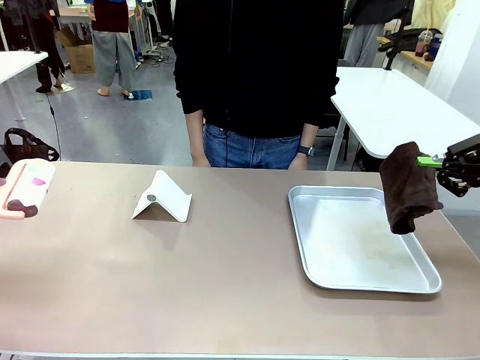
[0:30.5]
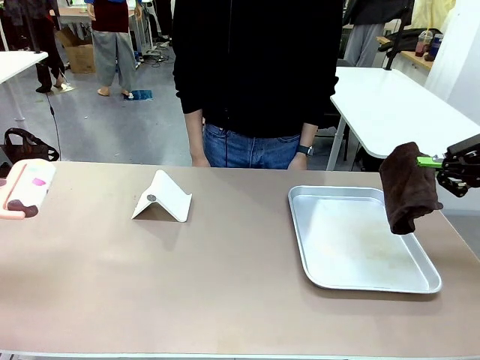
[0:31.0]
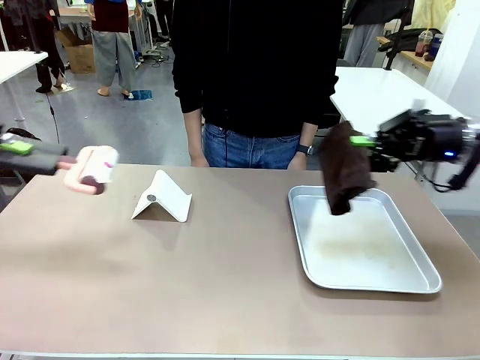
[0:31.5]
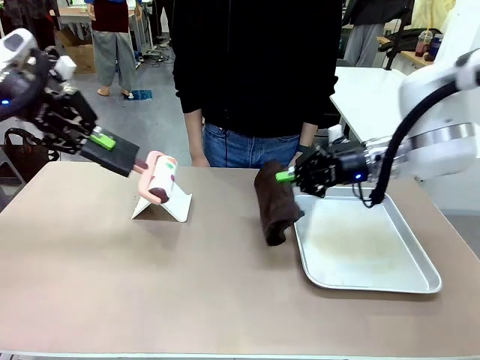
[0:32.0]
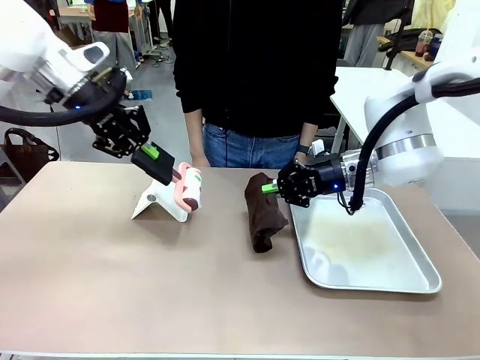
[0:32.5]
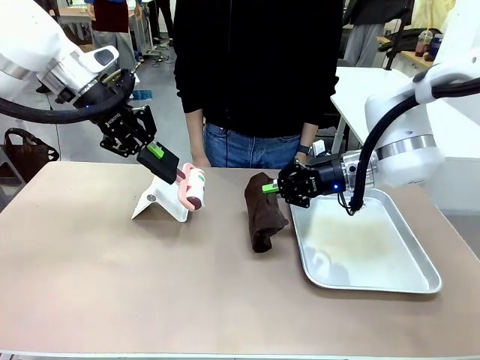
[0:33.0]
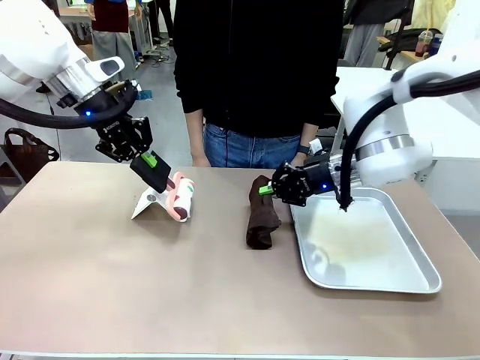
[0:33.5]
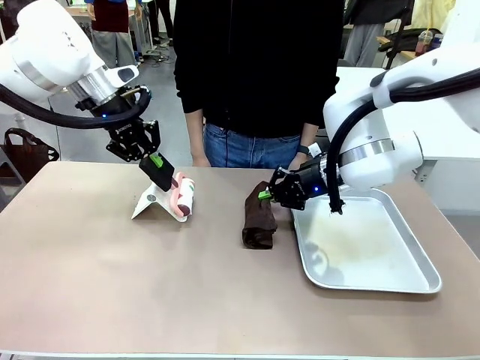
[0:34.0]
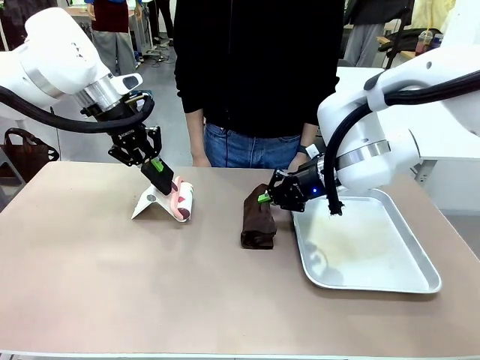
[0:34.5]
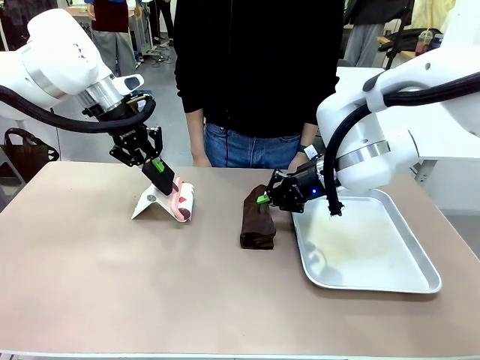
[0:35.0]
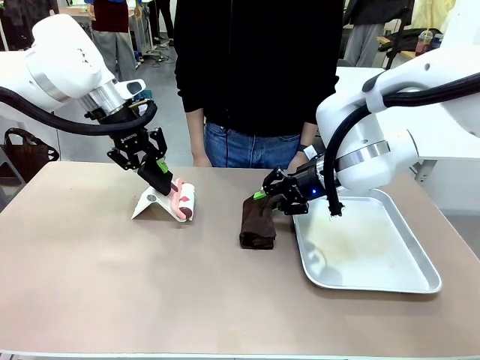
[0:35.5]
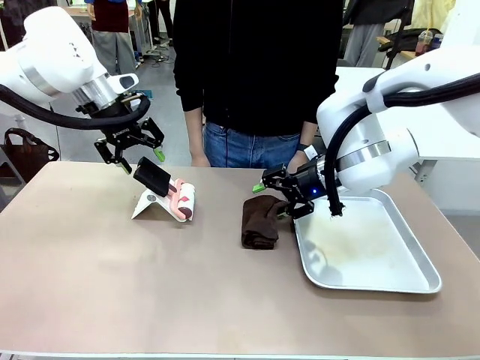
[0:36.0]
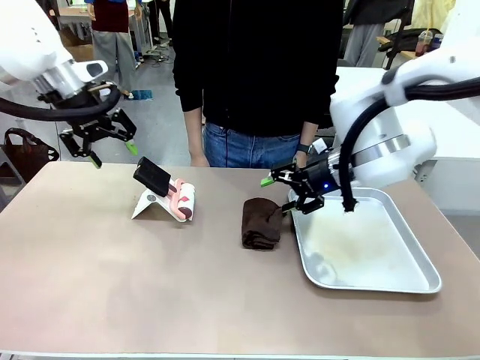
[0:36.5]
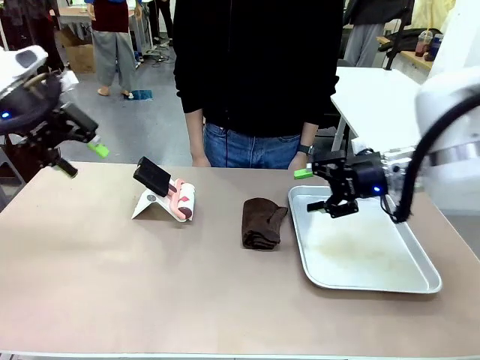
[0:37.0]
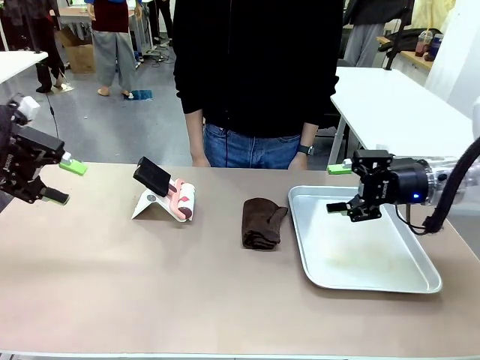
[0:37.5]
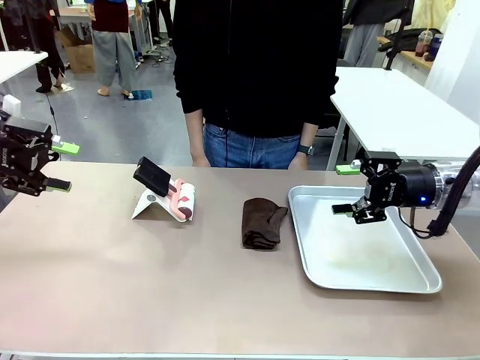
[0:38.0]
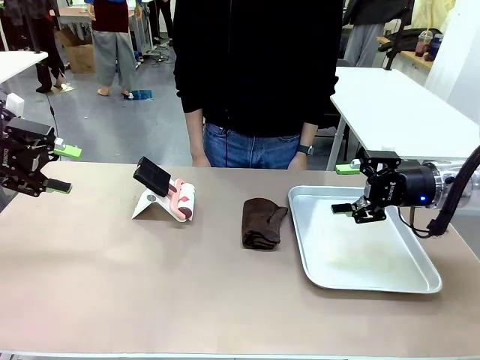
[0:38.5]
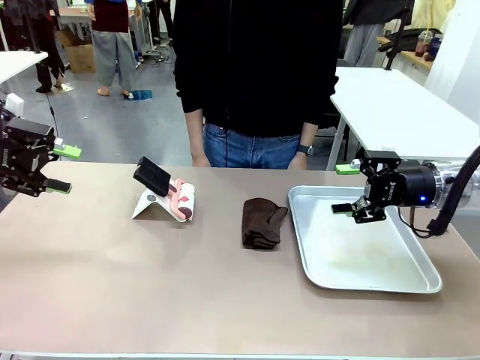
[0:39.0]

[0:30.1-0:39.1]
Task: Clean the surface of the table.
Robot: Return the Lint Roller and towel to their original positions.

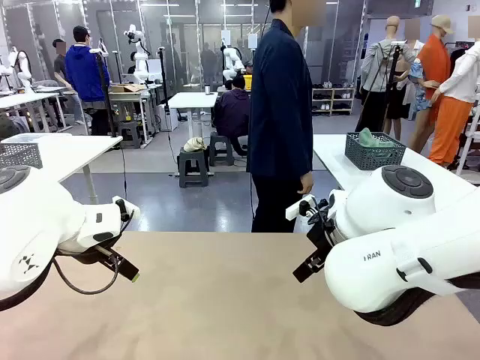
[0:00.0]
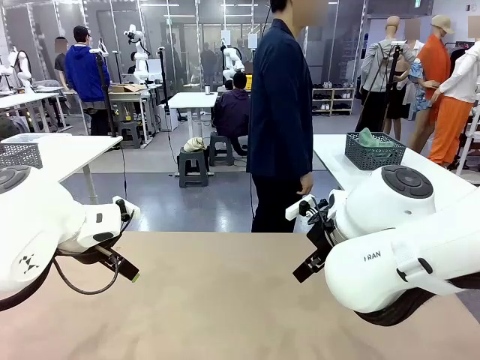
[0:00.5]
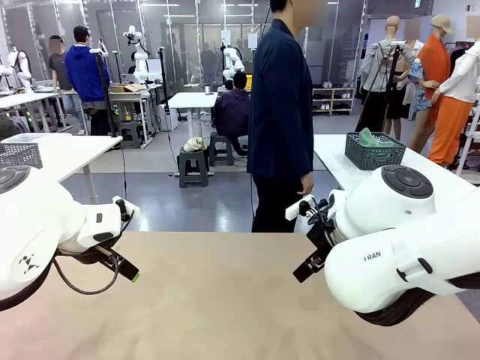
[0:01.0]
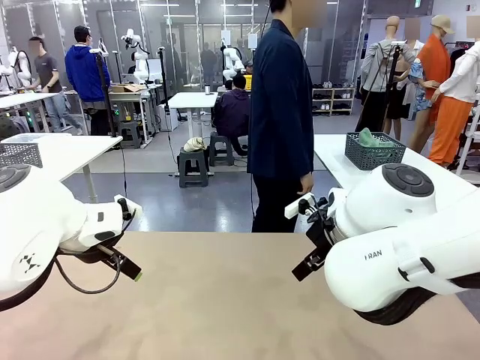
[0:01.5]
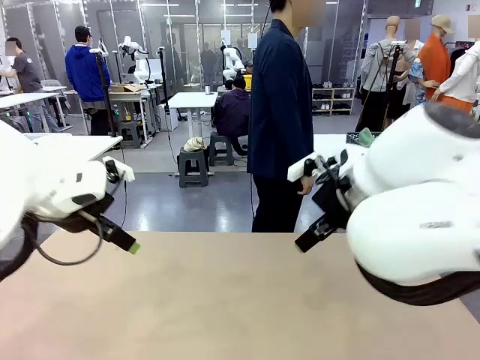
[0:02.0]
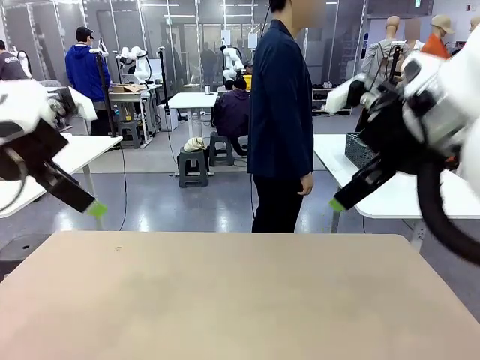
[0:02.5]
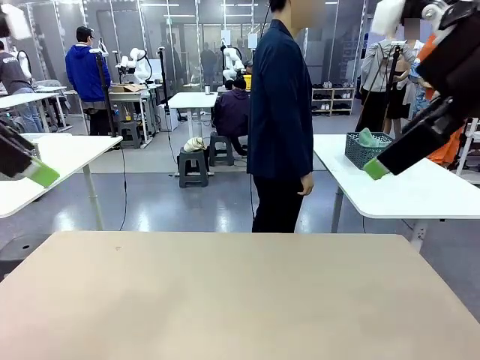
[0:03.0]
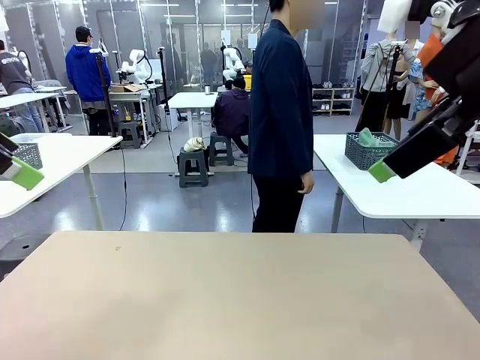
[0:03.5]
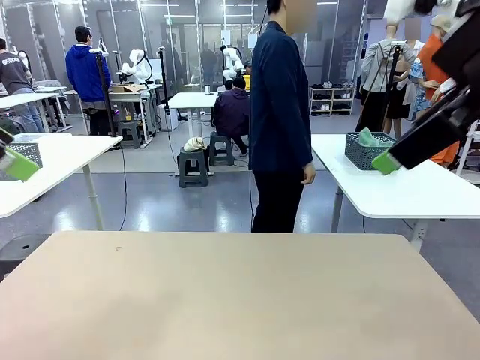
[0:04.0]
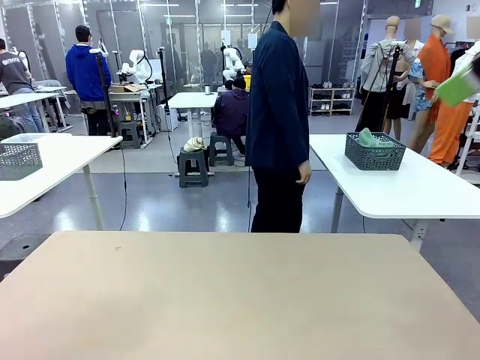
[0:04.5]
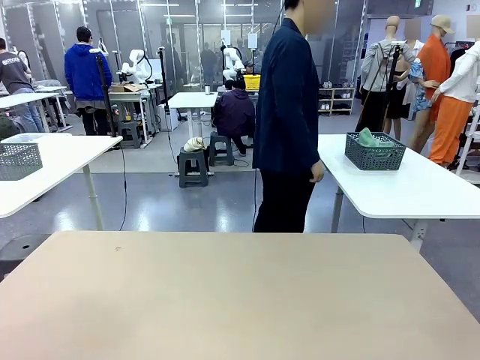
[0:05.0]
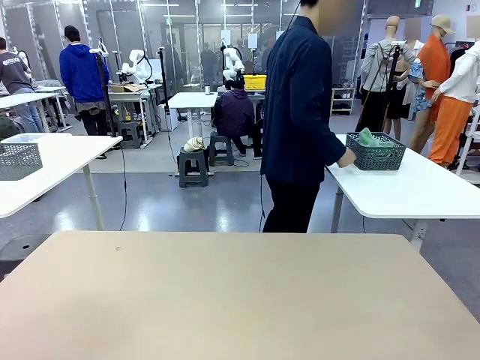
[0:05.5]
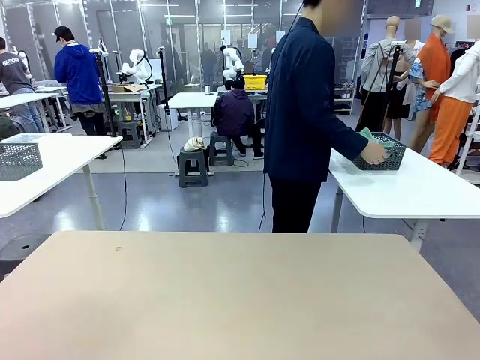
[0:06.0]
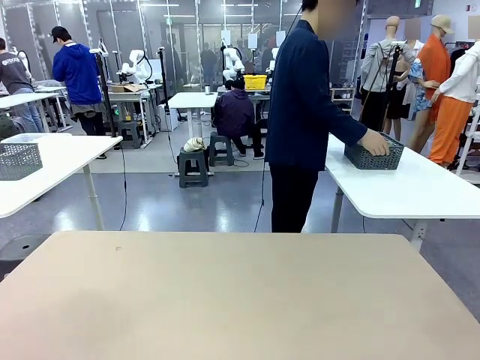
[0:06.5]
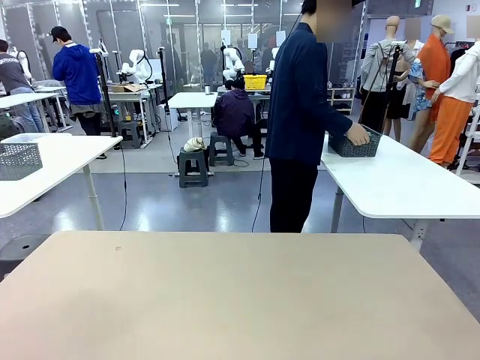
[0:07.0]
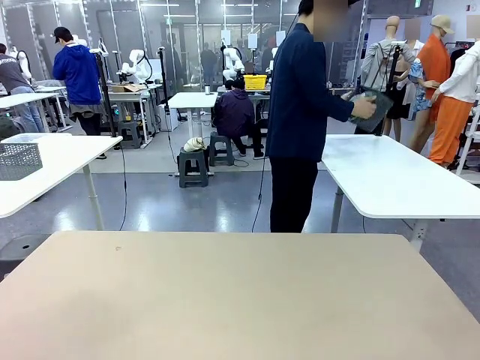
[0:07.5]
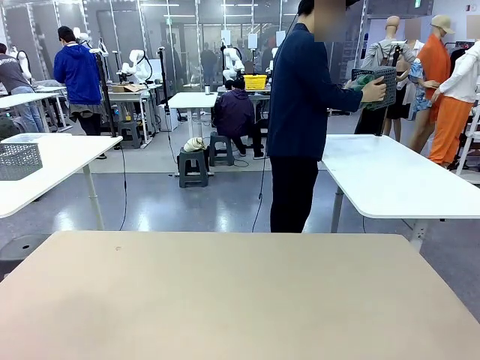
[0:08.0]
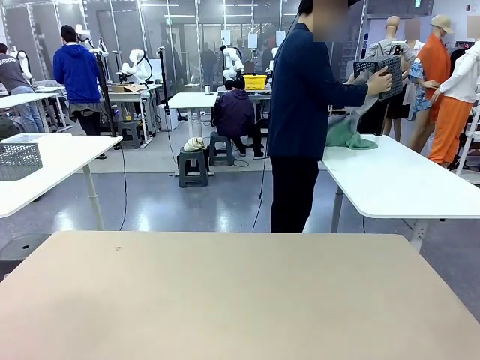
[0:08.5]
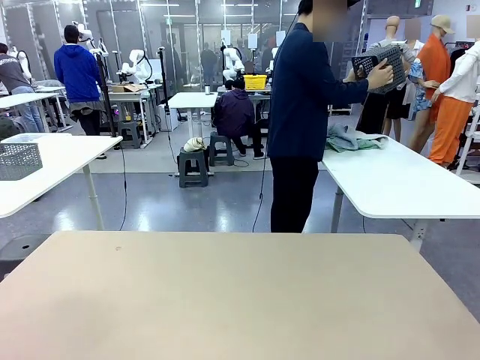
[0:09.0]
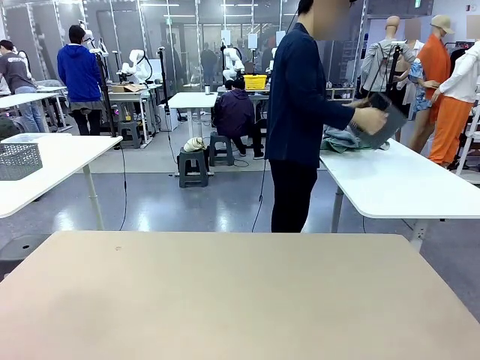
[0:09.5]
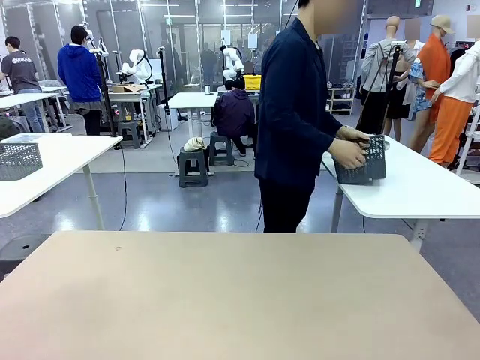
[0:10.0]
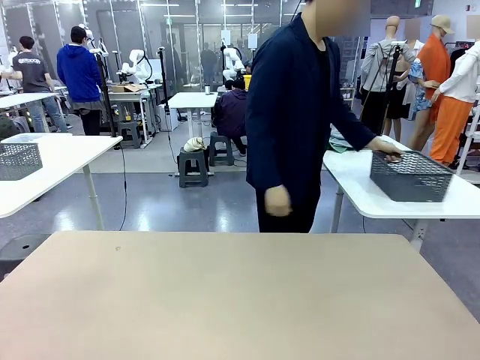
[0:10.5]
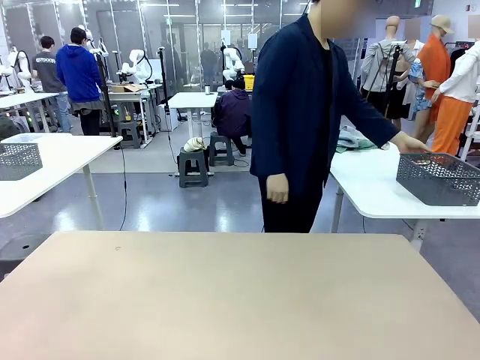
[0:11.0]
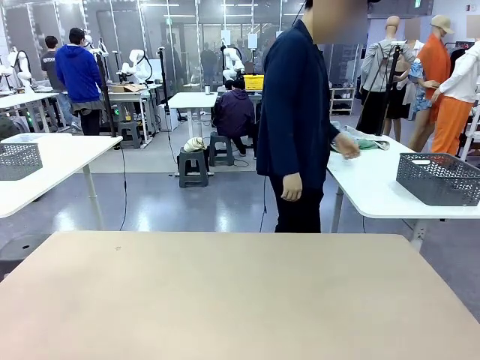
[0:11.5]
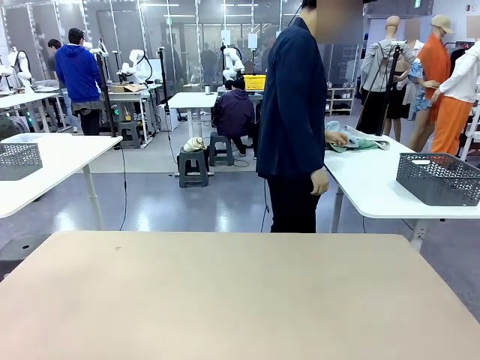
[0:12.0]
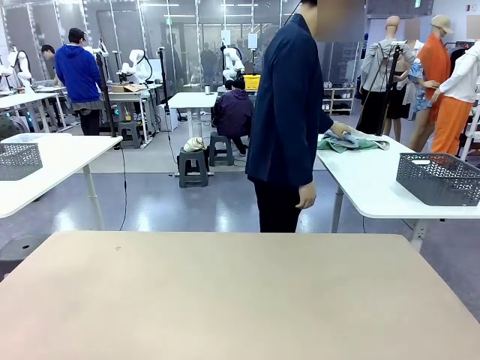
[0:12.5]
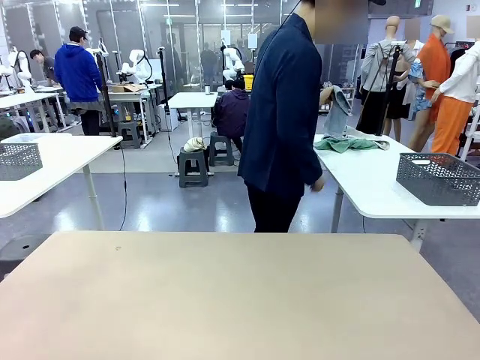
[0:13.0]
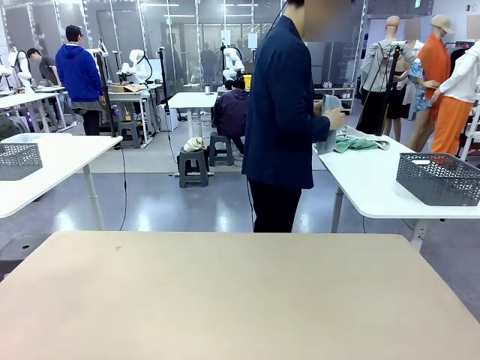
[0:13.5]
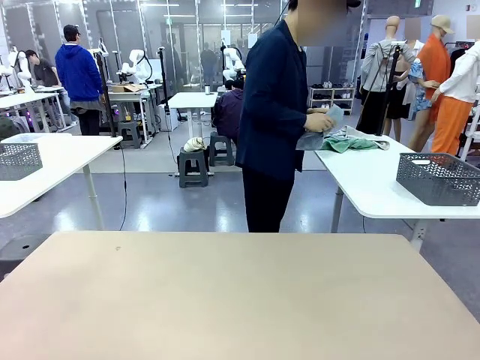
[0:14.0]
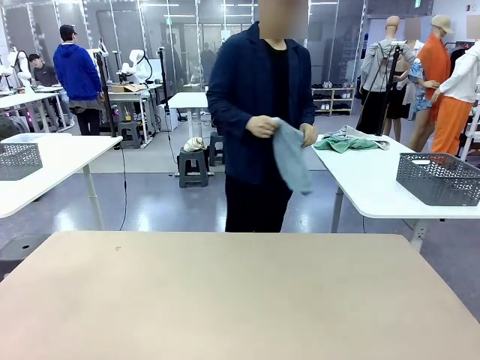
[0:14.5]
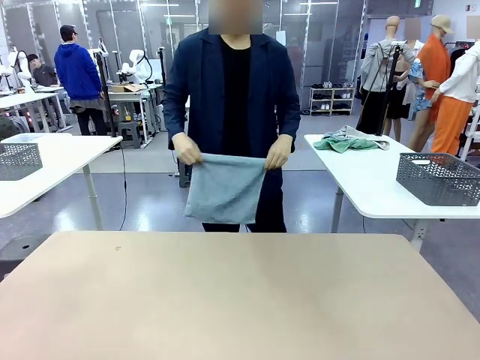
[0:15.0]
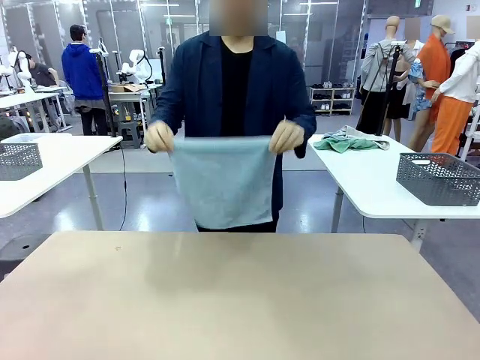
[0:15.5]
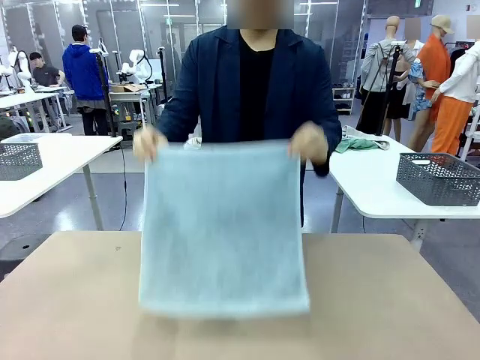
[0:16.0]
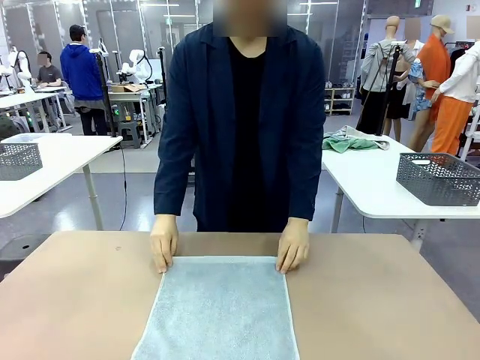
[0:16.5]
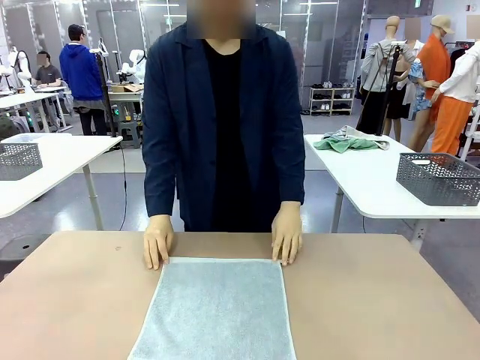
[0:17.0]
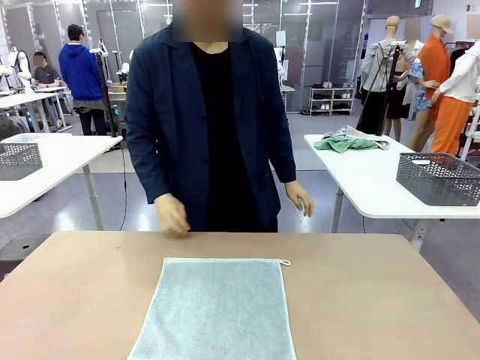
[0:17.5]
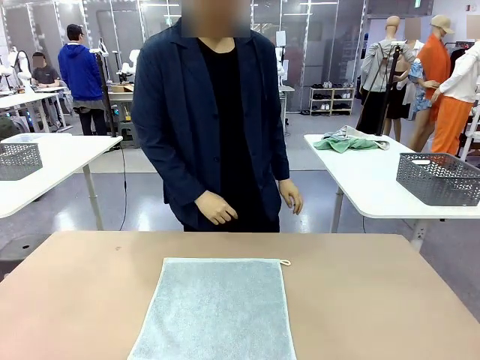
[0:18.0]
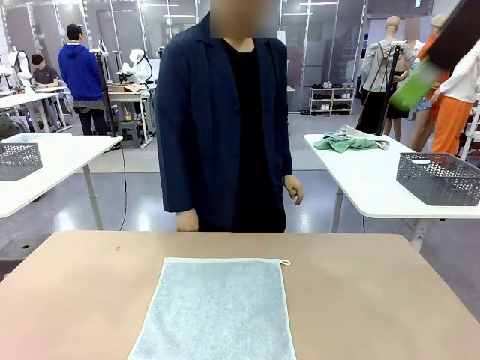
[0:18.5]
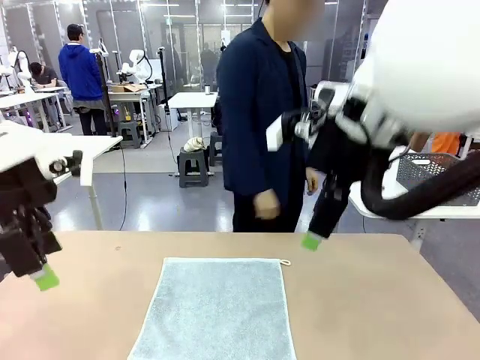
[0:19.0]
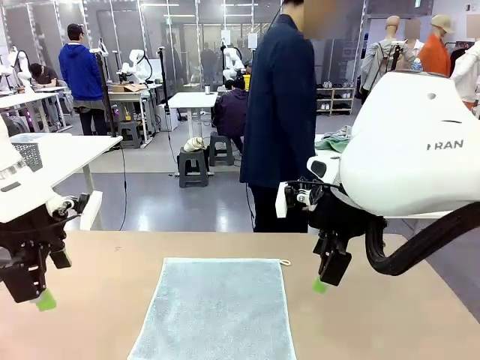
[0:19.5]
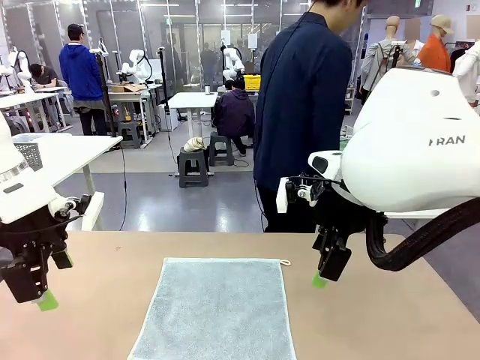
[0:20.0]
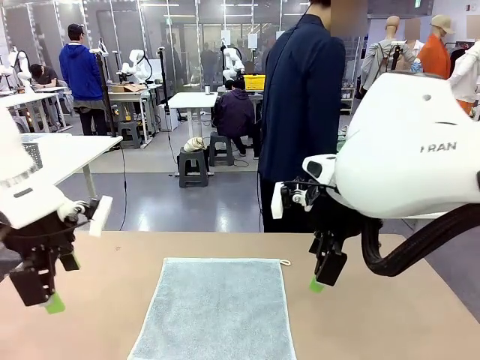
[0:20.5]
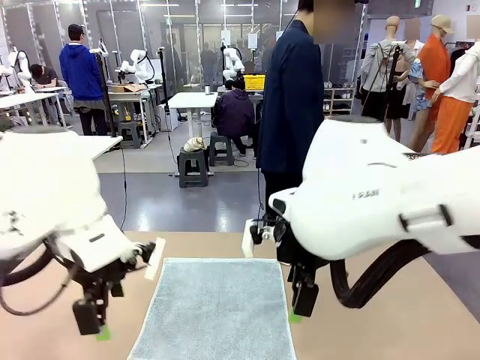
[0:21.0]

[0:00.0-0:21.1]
Task: Fold the towels and place them in the basket.
Robot: When a person lays out a Towel with hook on the table, fold it in half twice.
Person: Pick up the basket, pour the towels onto the left side of the human table, and place the basket on the right side. Pick up one towel and spread it out at the center of the robot table.
